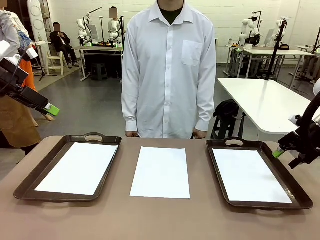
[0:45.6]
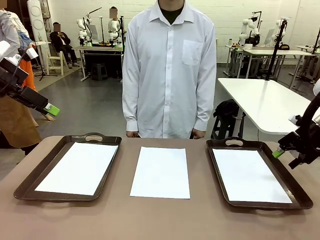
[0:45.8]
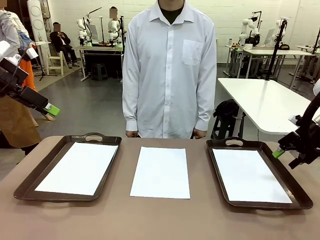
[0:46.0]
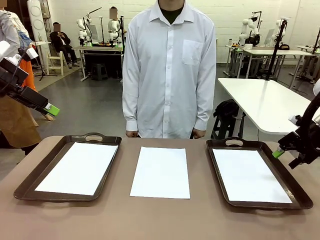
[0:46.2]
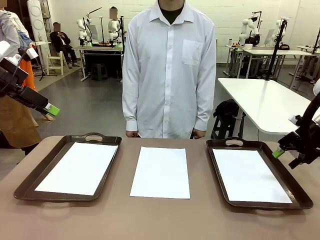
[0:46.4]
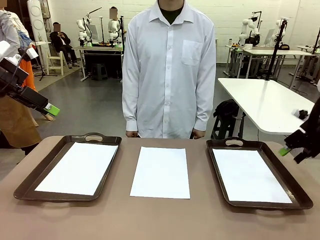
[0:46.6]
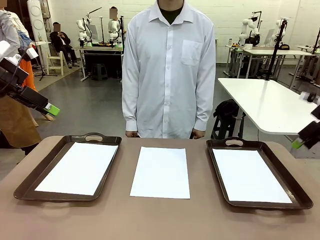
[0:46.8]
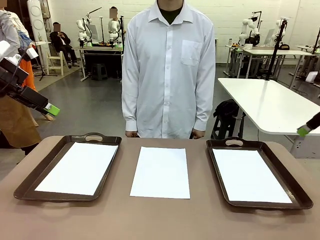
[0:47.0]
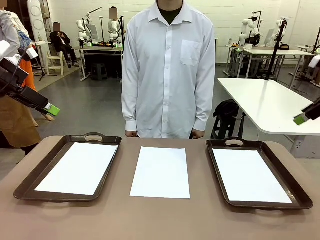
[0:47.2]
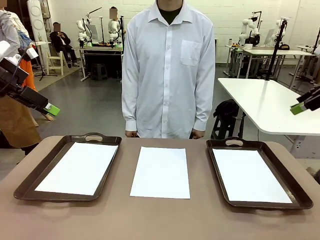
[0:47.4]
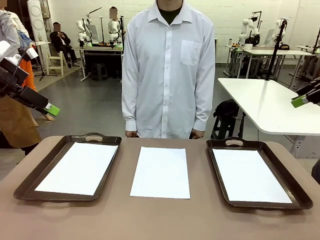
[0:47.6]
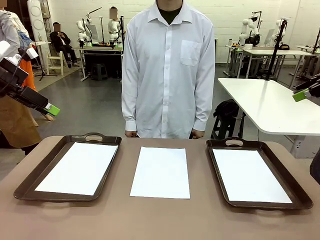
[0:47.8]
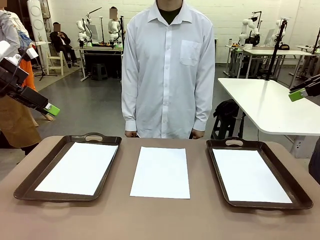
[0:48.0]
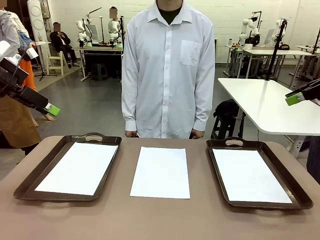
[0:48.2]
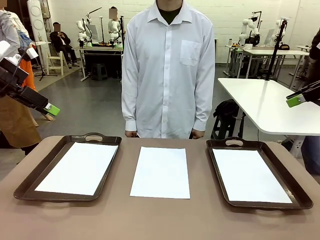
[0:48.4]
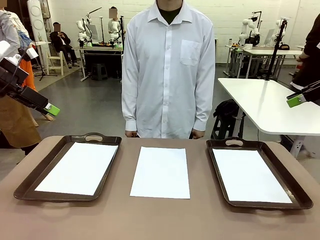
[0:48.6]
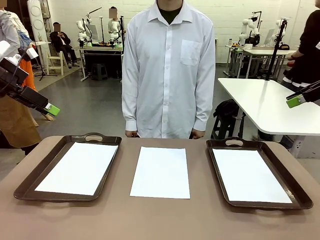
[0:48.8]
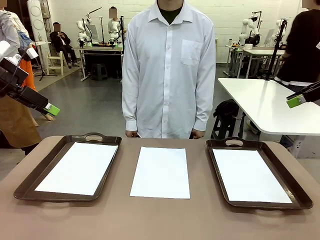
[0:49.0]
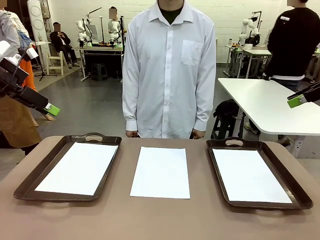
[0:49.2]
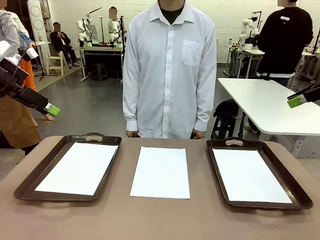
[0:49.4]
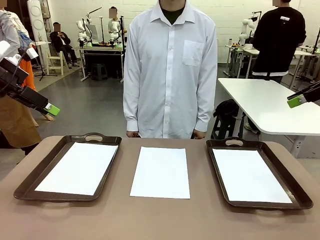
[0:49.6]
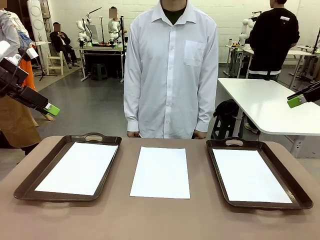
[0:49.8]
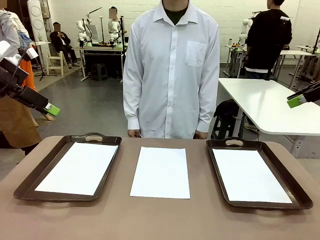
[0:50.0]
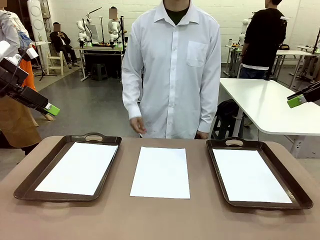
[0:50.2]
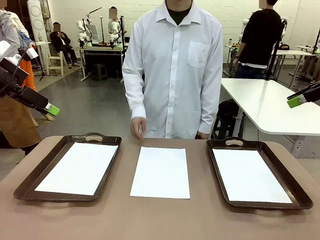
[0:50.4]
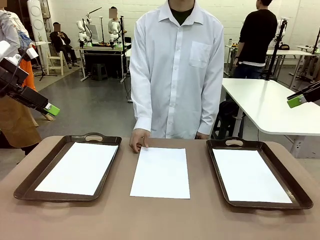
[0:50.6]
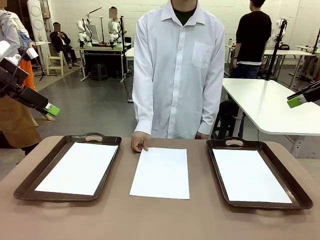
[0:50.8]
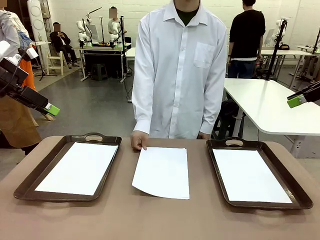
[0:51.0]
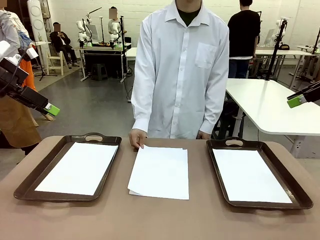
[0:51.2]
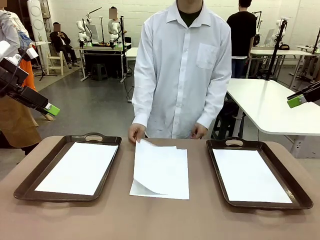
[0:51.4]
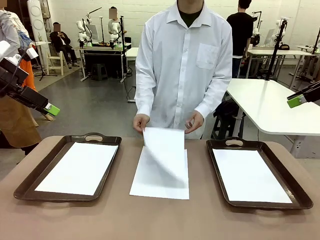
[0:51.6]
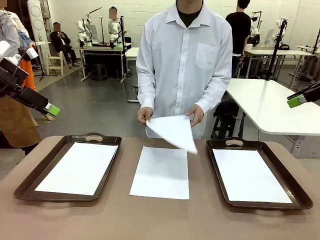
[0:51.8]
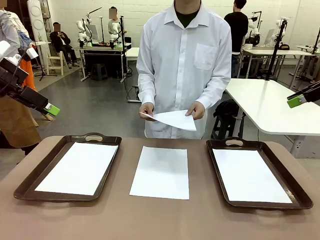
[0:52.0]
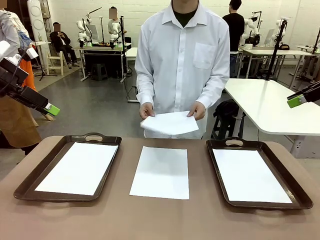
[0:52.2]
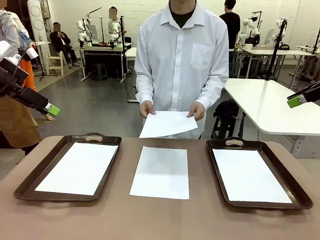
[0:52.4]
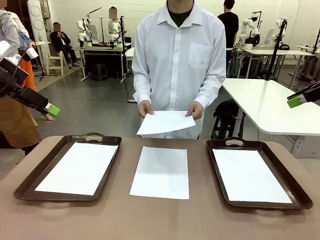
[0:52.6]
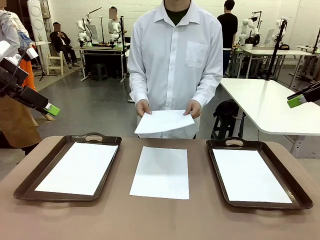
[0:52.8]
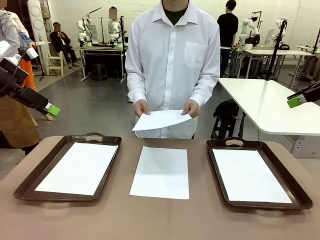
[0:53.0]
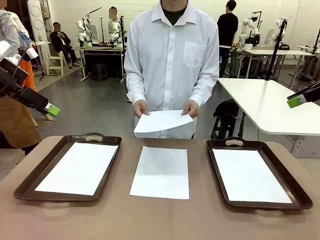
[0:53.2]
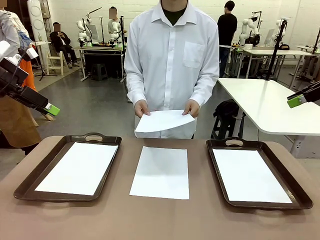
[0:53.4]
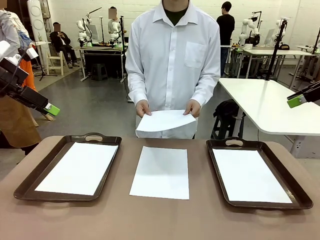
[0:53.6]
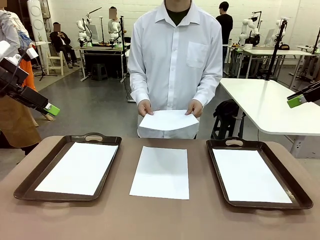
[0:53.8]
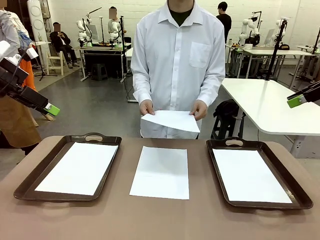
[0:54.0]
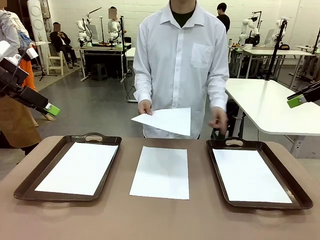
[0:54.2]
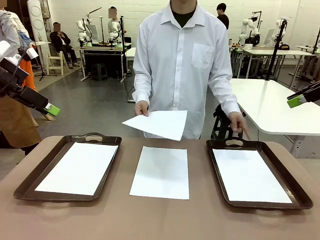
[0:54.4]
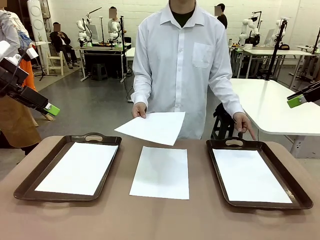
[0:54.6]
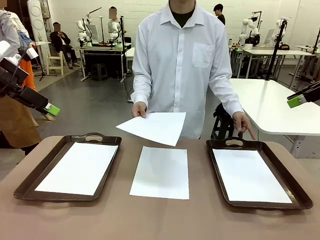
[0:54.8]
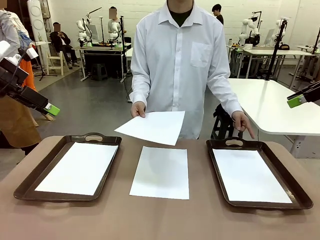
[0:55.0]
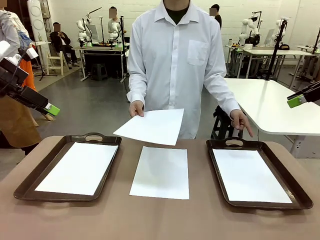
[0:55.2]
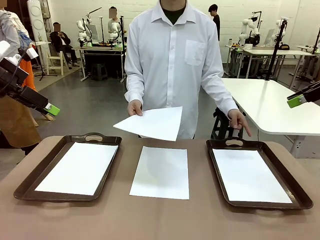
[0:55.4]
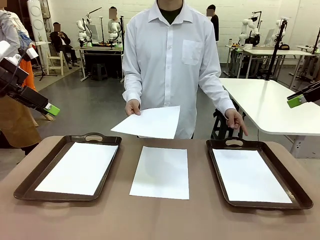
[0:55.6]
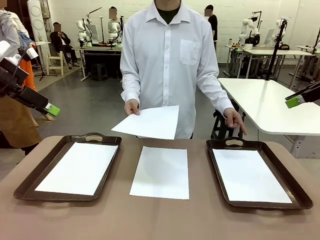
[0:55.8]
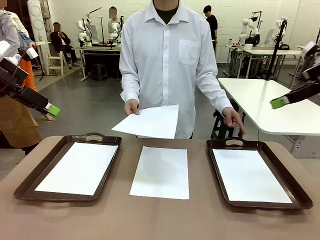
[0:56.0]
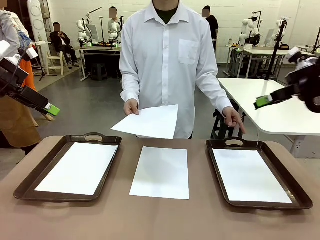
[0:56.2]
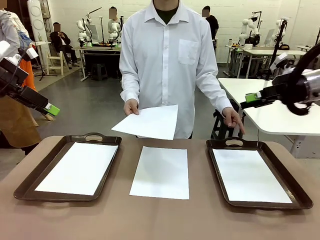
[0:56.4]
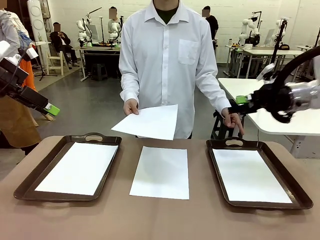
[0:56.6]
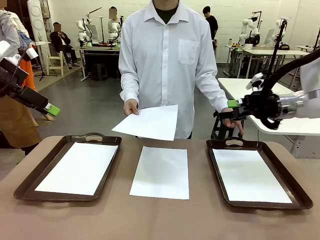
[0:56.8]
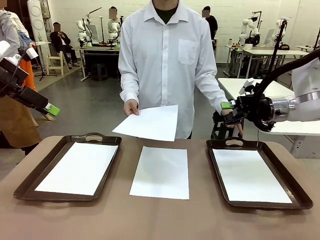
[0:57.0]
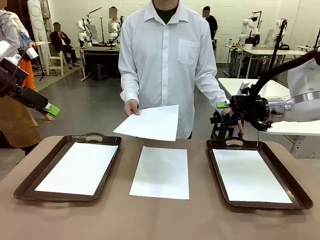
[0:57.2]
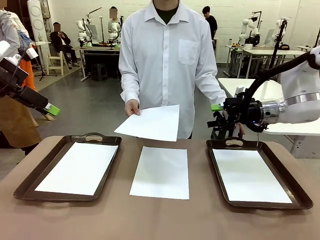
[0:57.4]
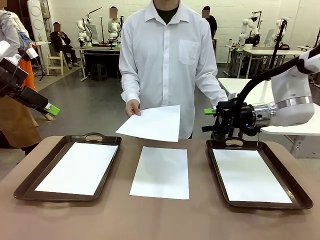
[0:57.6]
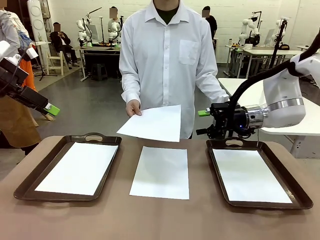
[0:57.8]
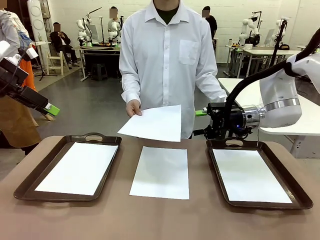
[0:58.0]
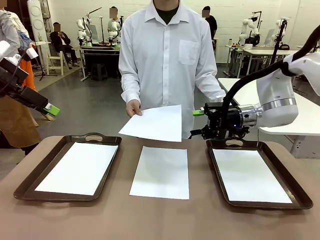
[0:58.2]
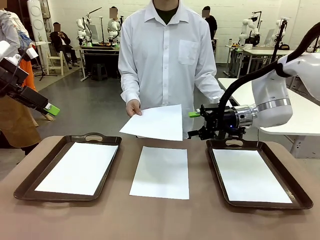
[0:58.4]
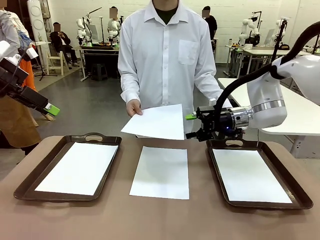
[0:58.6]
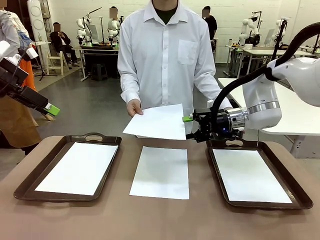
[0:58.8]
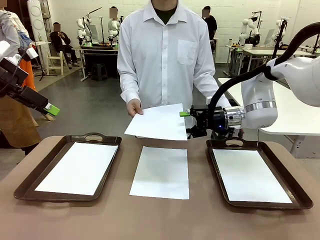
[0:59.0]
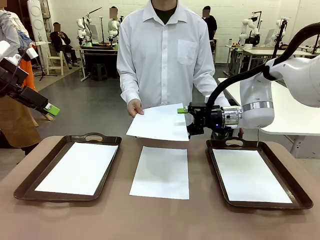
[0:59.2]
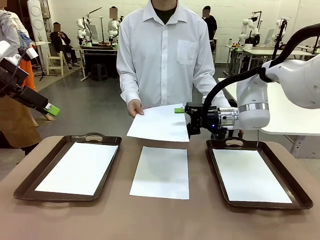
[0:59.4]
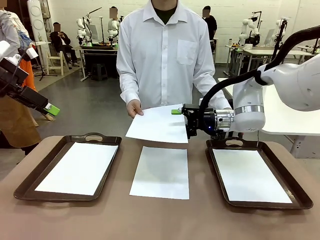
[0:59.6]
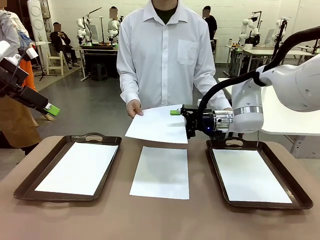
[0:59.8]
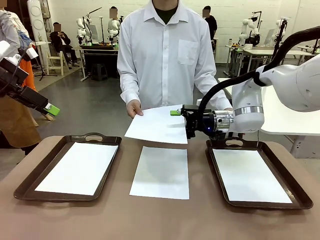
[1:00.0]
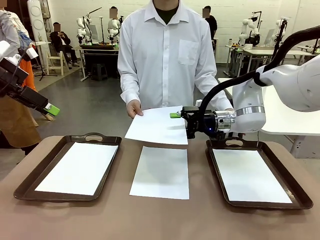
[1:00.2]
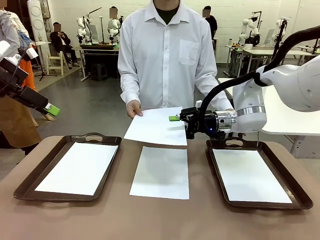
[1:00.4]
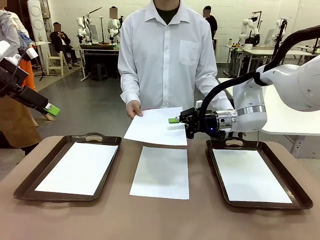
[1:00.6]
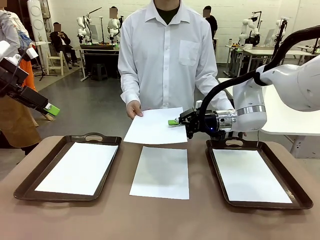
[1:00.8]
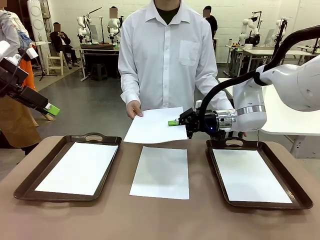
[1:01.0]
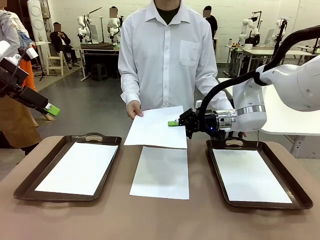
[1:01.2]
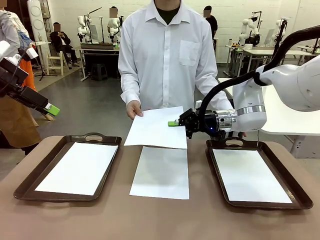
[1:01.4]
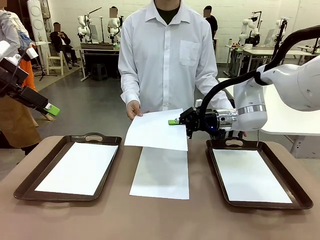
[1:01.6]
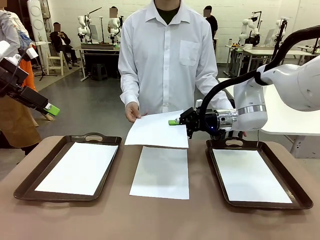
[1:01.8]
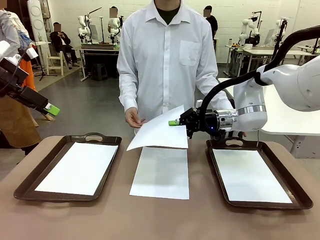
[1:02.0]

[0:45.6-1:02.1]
Task: Sort the A4 documents.
Robot: Receive the A4 Paper.
Person: Point the randomly selected tray with the other hand.

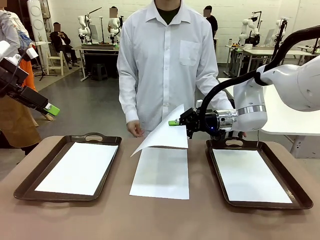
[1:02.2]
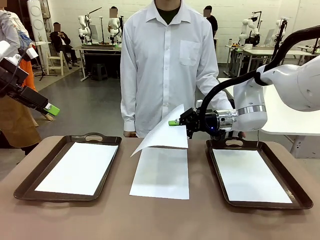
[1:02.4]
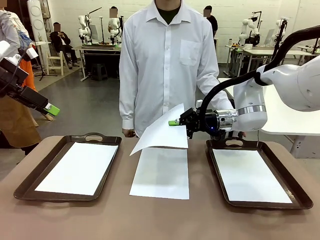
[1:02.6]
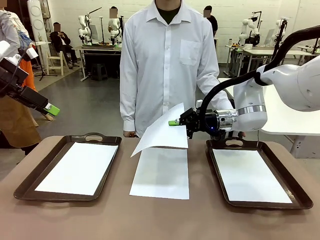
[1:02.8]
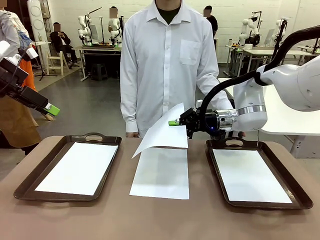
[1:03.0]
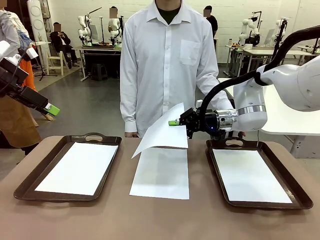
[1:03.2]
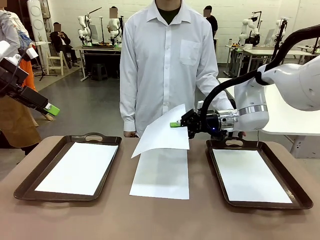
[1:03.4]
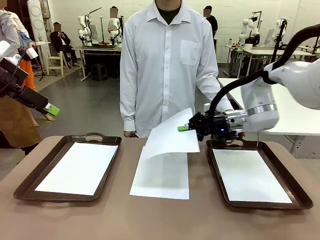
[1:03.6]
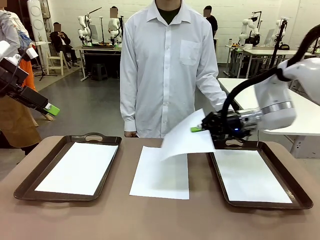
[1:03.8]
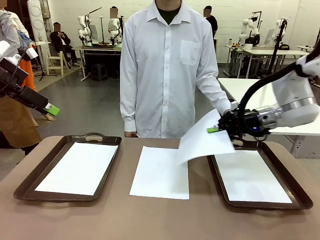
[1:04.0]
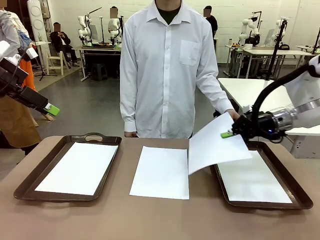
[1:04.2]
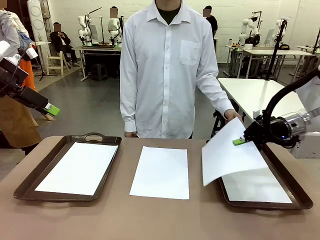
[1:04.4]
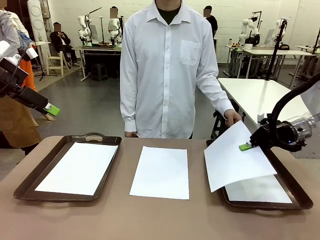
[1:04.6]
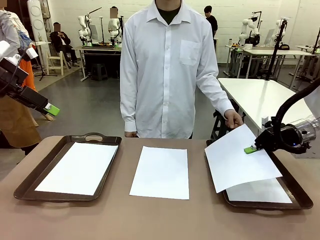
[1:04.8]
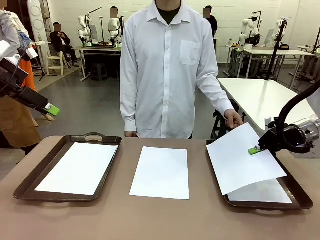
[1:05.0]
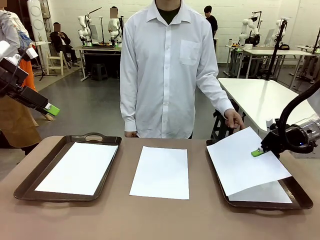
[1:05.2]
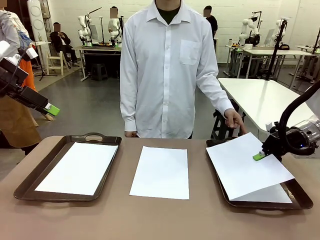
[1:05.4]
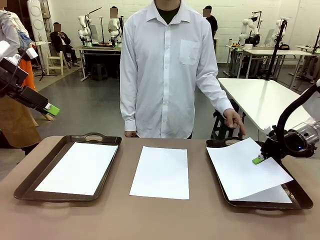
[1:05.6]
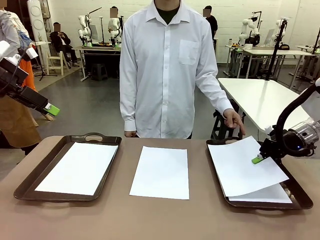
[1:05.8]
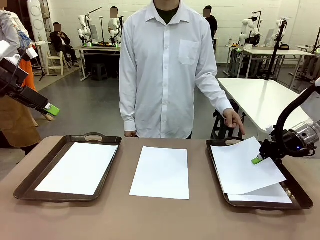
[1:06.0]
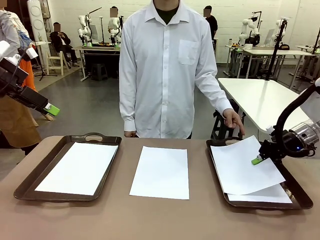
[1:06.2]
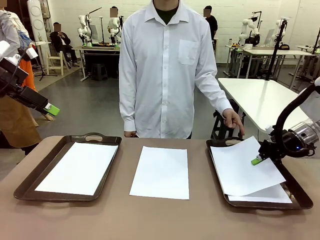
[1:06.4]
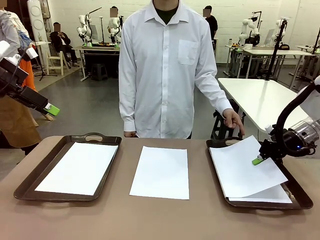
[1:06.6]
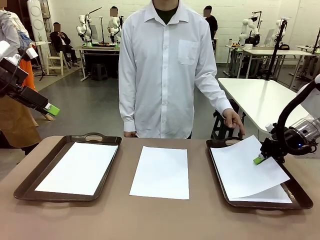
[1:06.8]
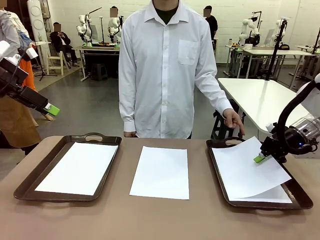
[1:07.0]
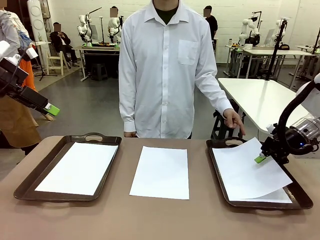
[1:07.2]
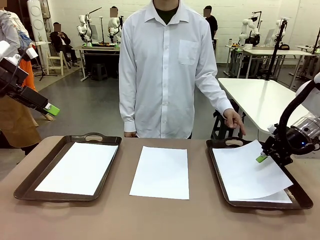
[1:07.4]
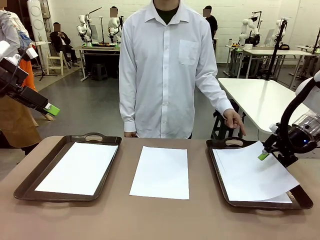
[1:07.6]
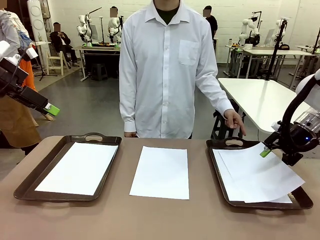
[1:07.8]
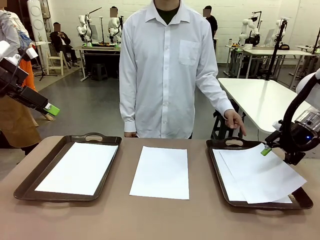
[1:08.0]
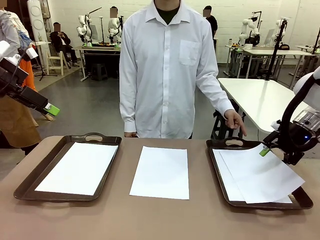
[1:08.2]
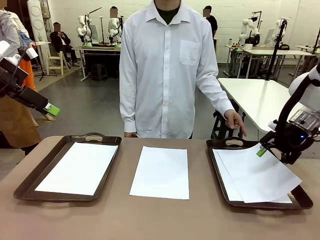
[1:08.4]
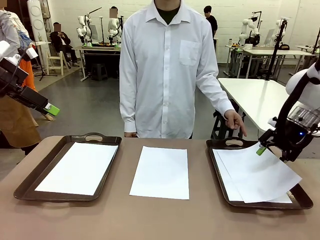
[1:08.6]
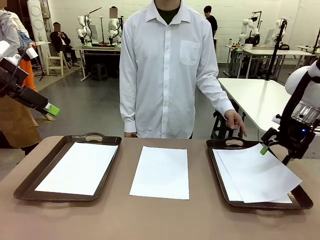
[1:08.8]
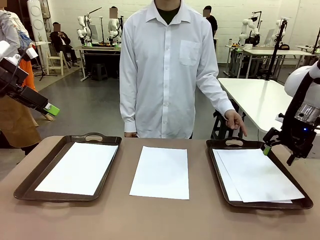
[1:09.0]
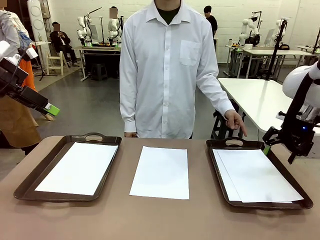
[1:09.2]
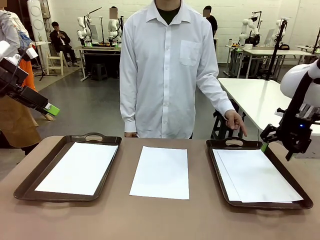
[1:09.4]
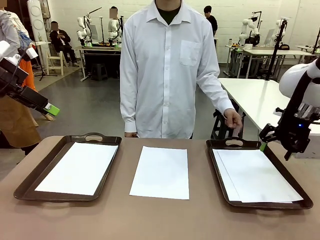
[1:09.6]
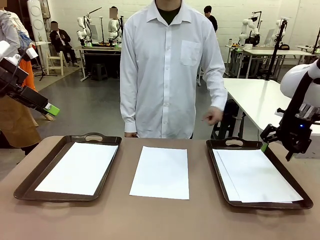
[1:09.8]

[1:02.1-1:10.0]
Robot: Place the A4 Paper in the designated Handle tray.
